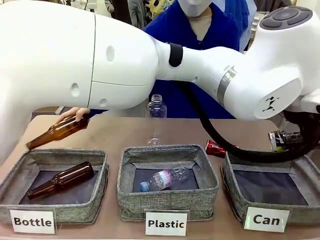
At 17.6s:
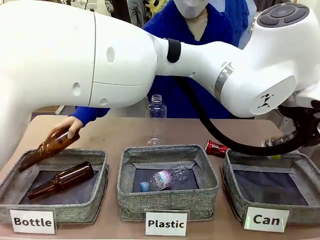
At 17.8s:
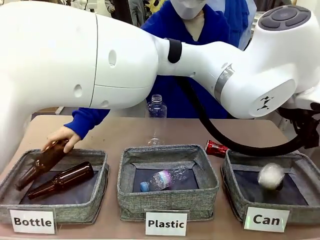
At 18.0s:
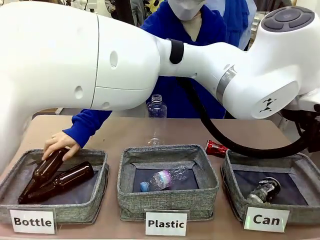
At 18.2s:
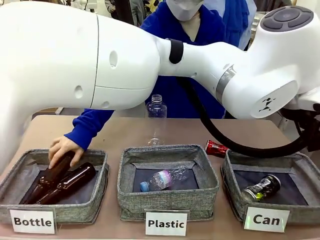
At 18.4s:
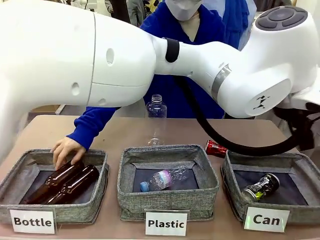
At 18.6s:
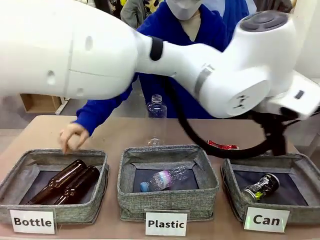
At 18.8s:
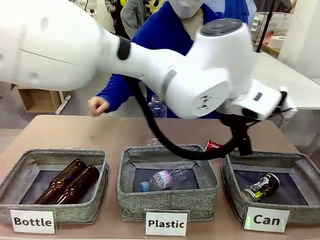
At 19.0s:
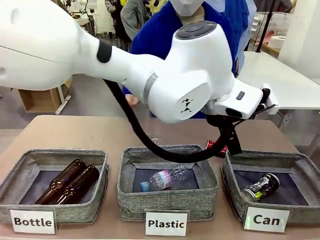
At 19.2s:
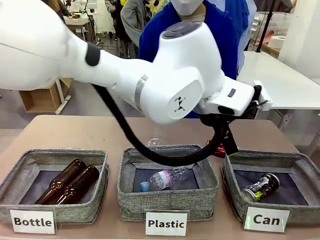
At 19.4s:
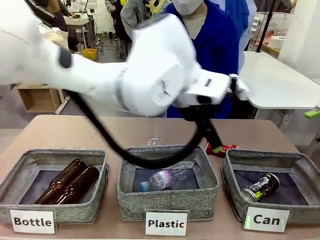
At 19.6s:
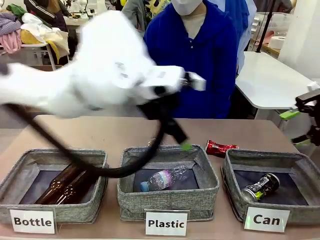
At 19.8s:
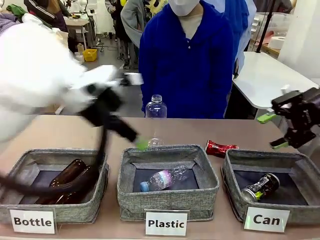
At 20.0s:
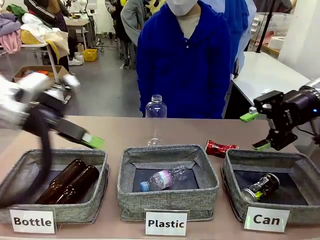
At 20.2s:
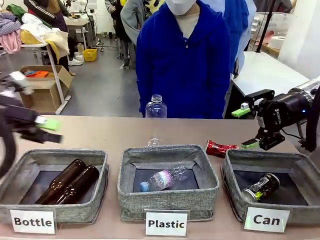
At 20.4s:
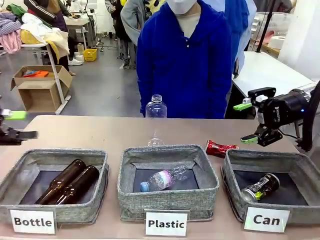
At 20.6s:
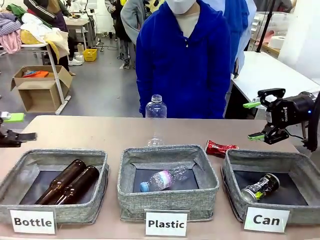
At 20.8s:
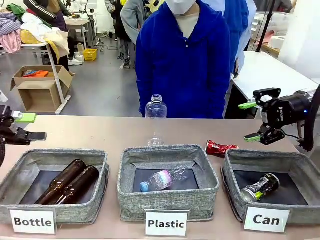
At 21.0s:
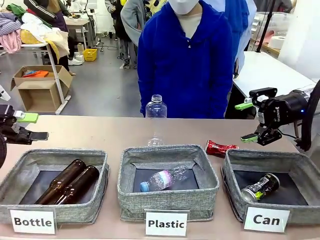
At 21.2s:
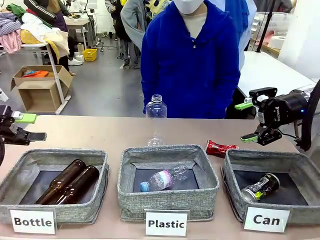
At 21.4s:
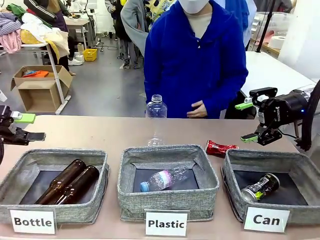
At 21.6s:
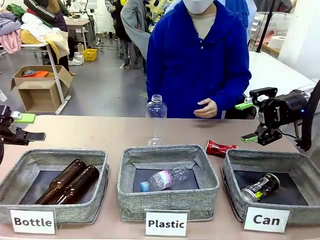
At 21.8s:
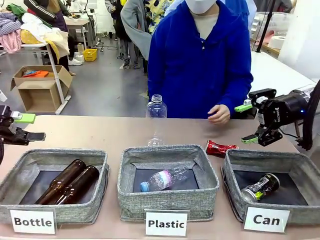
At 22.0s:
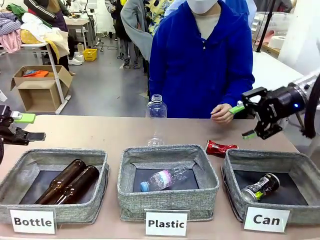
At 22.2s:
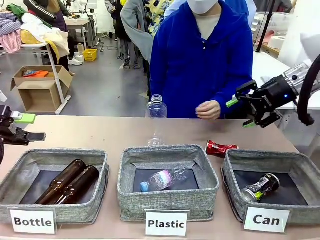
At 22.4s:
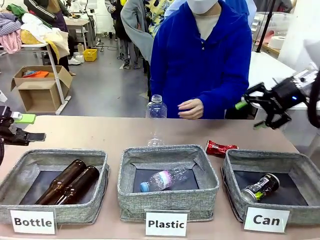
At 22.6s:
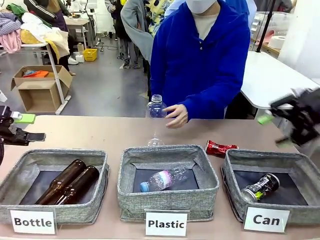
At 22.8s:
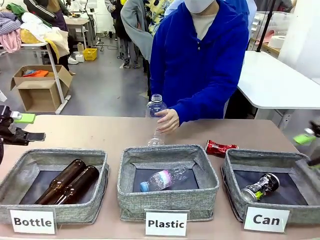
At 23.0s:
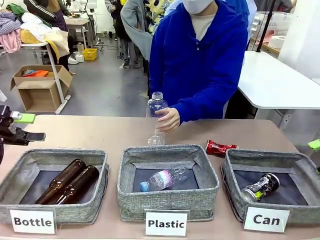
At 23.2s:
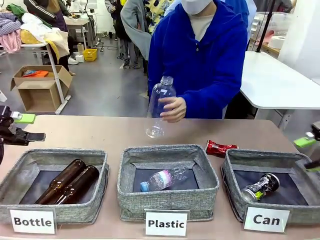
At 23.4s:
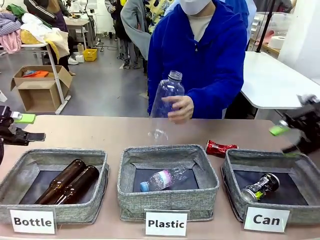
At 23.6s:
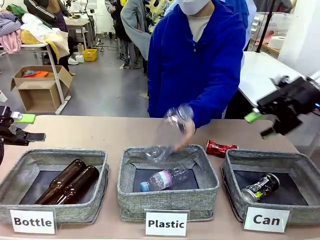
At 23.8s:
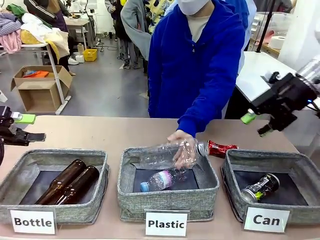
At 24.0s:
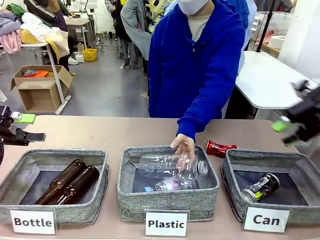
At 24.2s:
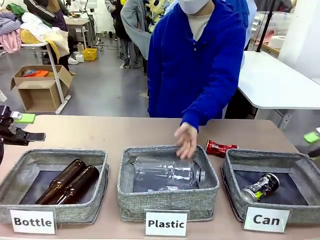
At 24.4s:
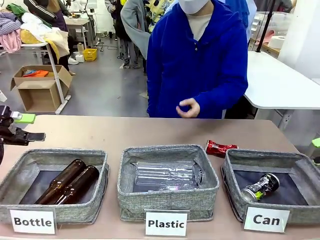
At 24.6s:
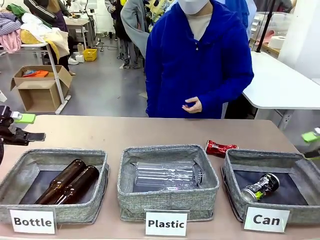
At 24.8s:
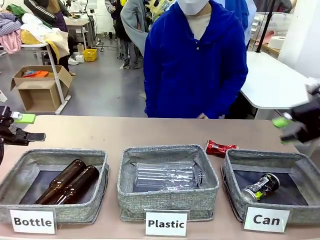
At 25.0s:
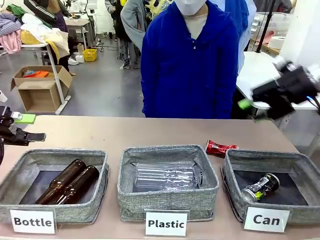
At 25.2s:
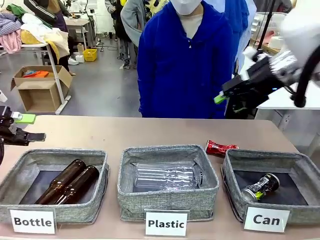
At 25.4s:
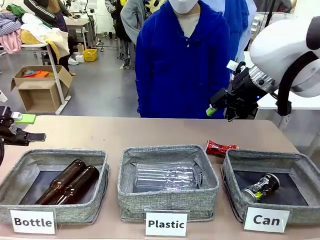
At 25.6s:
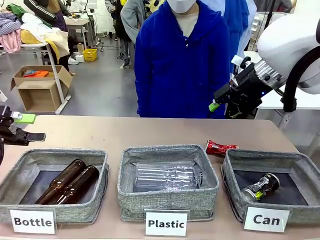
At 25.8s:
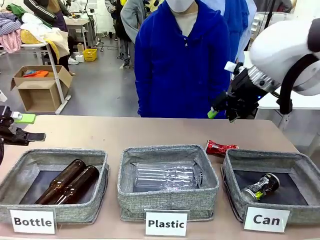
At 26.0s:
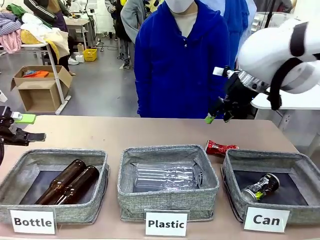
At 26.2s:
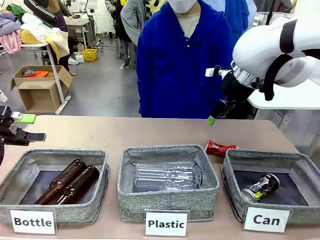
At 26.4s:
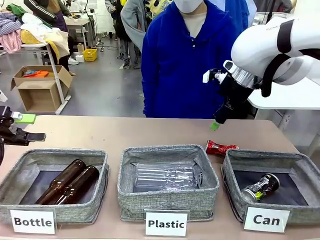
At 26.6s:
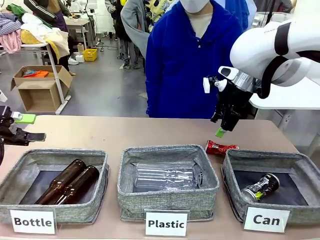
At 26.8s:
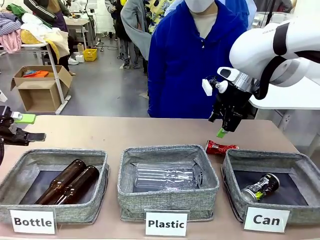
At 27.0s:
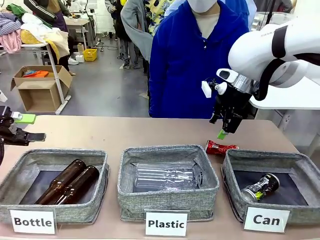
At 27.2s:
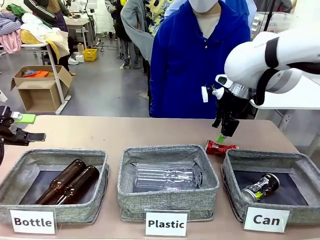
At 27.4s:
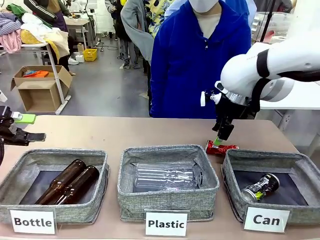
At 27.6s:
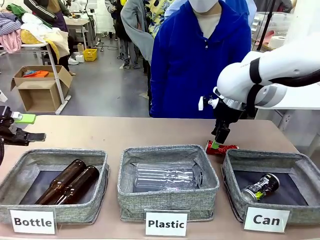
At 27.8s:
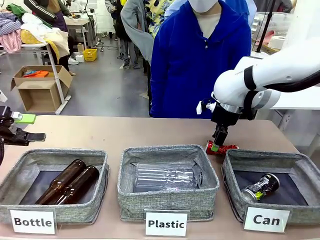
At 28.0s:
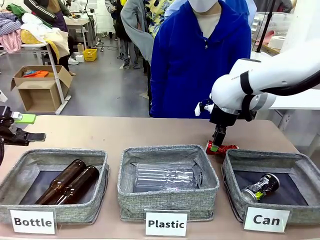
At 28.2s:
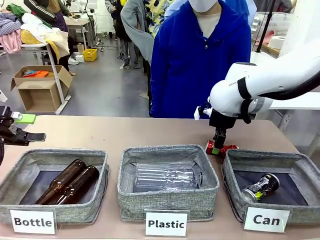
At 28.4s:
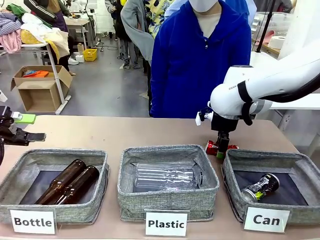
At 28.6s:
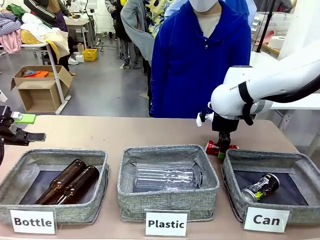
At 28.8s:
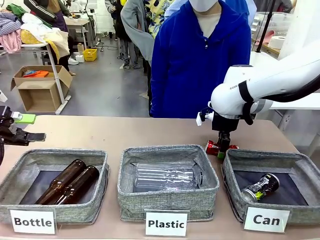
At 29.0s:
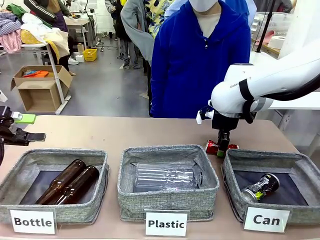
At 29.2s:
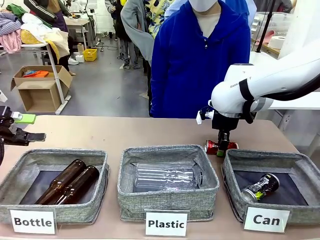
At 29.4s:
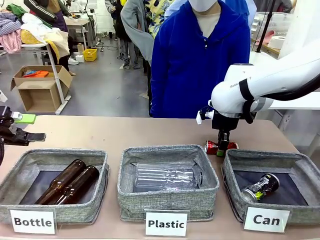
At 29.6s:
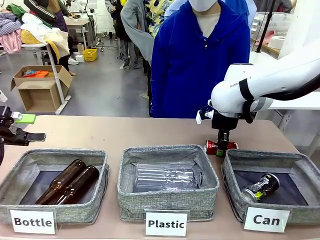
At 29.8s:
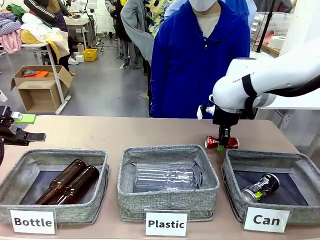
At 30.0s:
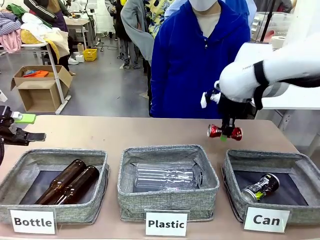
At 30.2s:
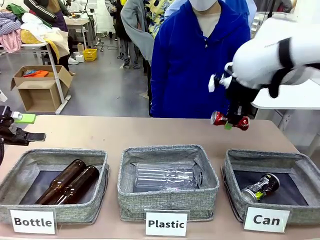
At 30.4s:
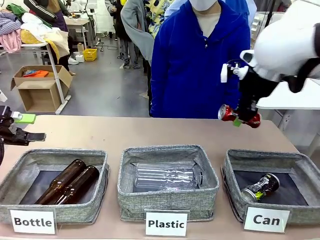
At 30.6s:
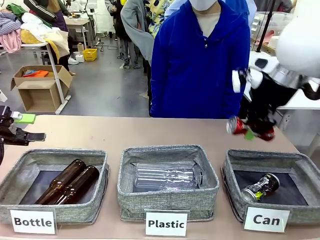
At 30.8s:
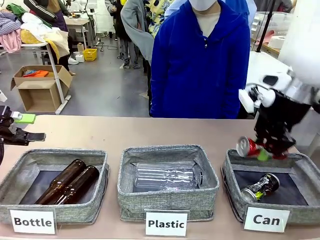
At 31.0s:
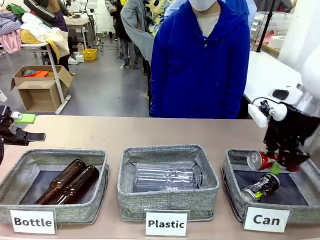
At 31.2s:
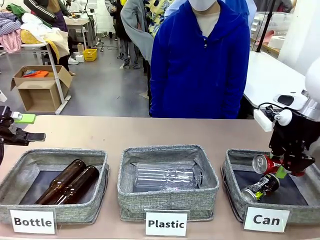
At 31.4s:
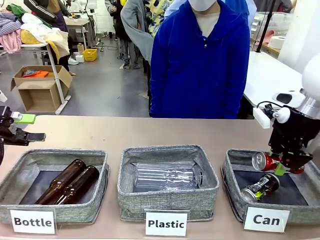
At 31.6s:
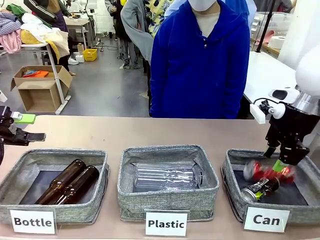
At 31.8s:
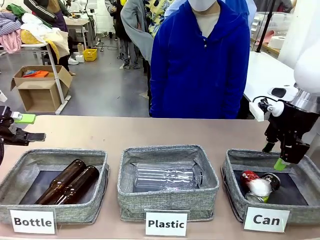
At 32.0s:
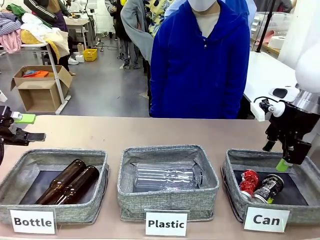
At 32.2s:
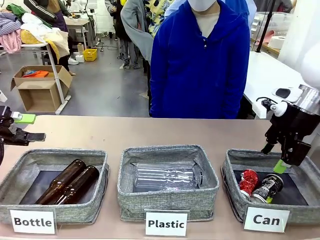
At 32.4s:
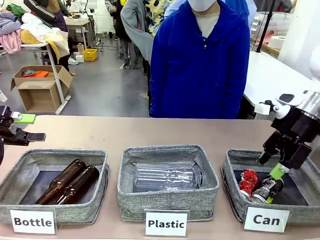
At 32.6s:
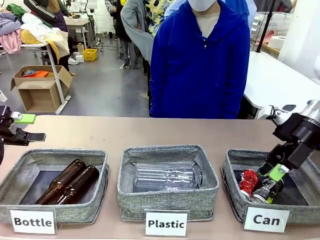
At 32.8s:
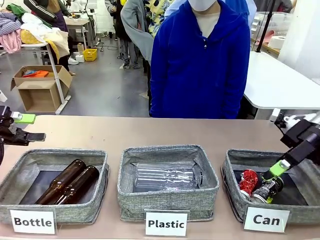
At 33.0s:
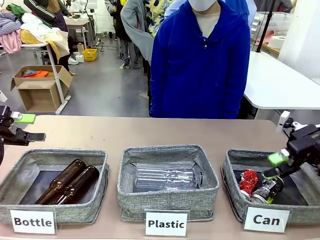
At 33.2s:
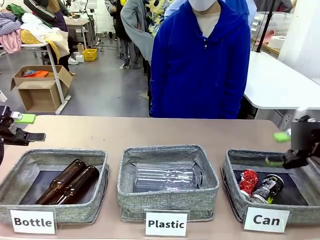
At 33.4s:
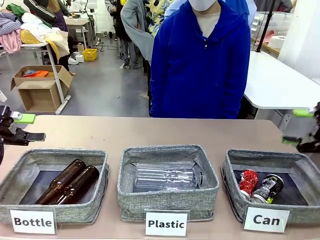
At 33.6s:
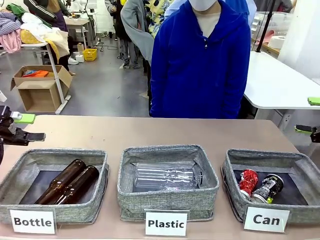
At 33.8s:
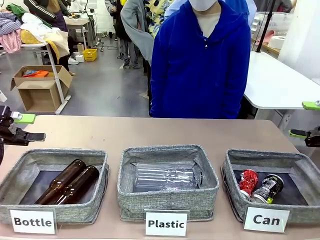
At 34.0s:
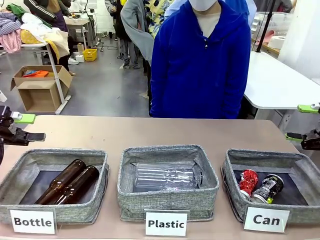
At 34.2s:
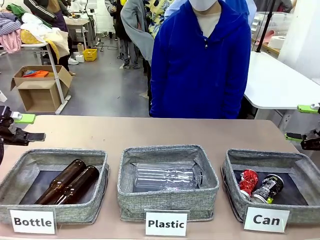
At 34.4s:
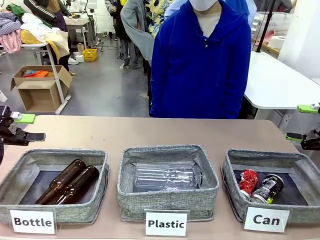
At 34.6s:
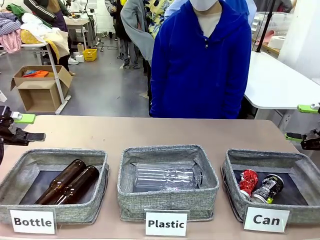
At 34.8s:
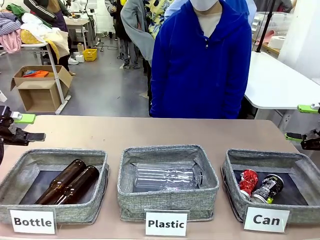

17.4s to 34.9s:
Task: Sort the can waste into the basket.
Robot: Pick up the can waste from the table and place it in the right Fabric basket.
Person: The human picks up one piece of trash that is not a can and places the trash into the appropriate organizing basket.
